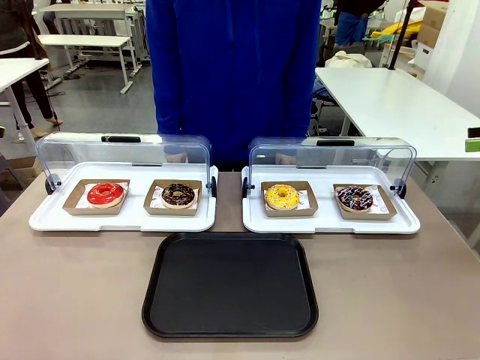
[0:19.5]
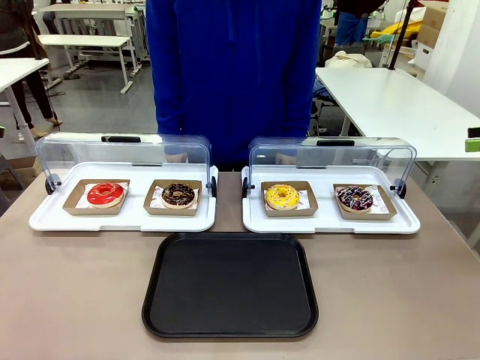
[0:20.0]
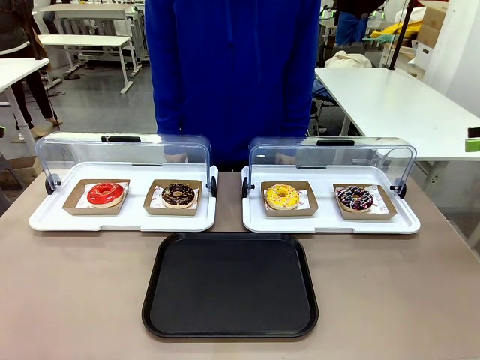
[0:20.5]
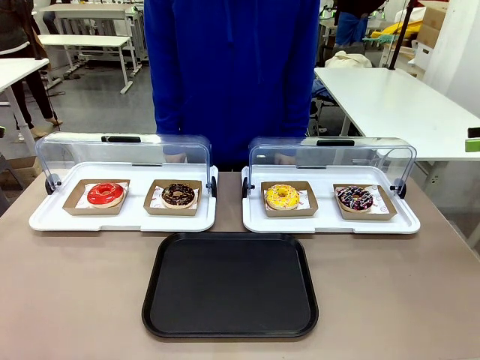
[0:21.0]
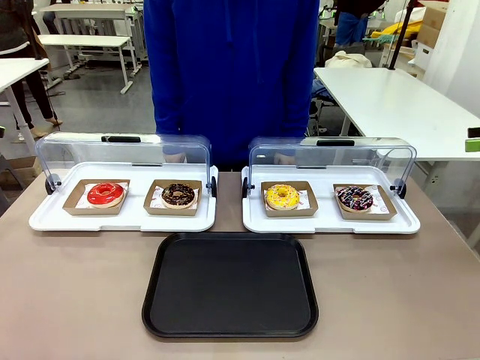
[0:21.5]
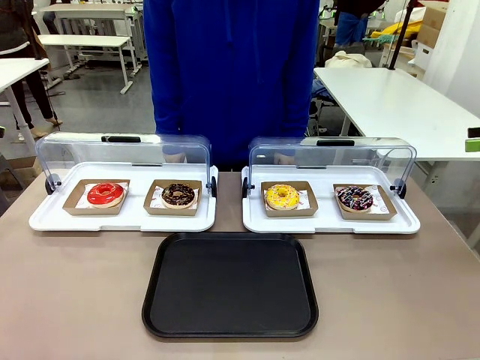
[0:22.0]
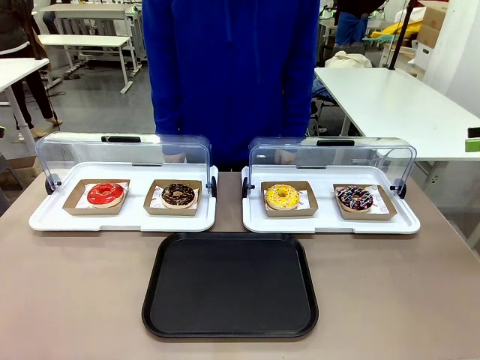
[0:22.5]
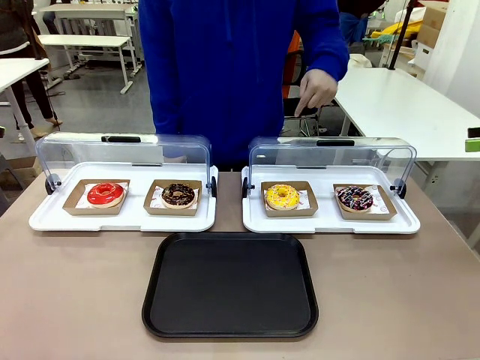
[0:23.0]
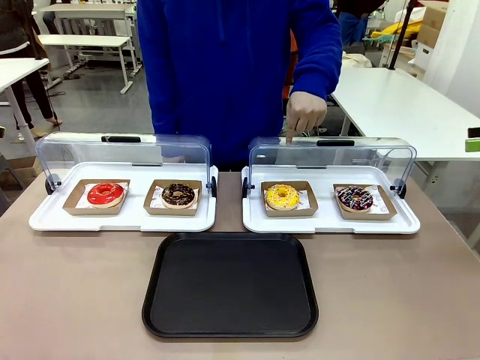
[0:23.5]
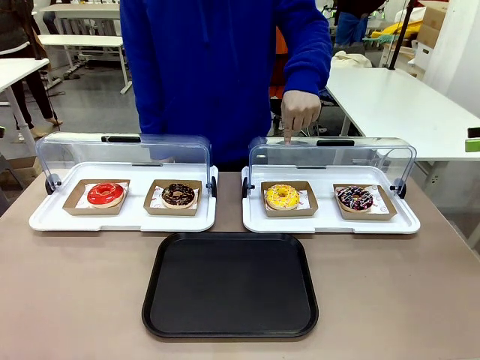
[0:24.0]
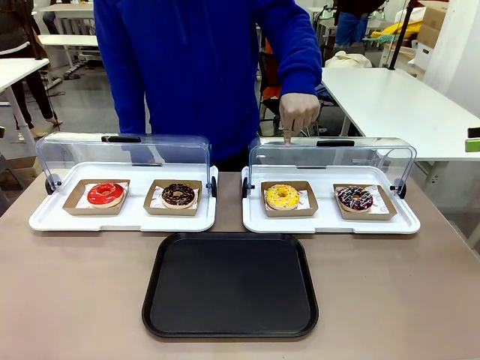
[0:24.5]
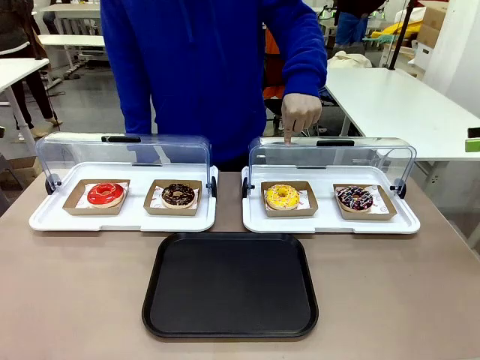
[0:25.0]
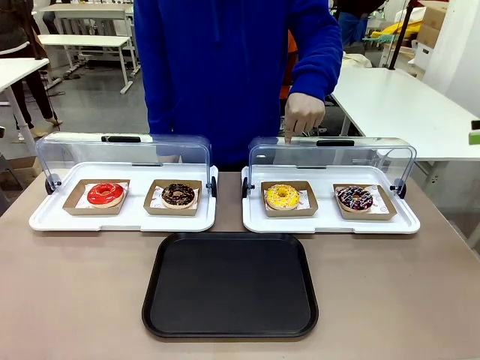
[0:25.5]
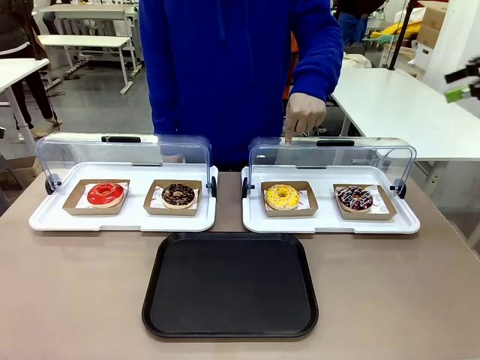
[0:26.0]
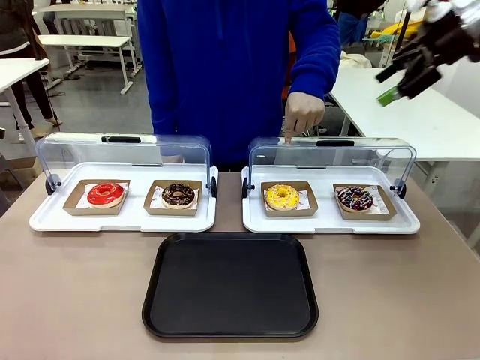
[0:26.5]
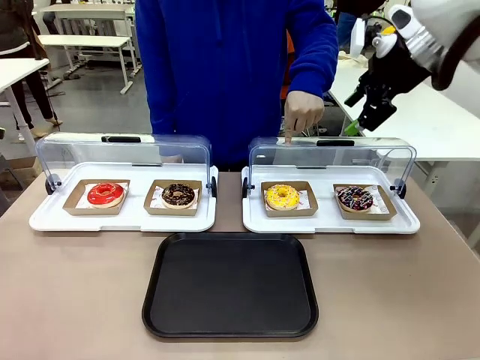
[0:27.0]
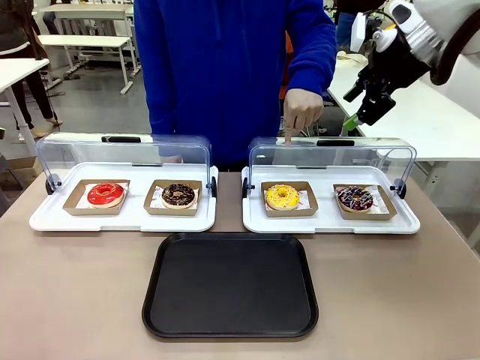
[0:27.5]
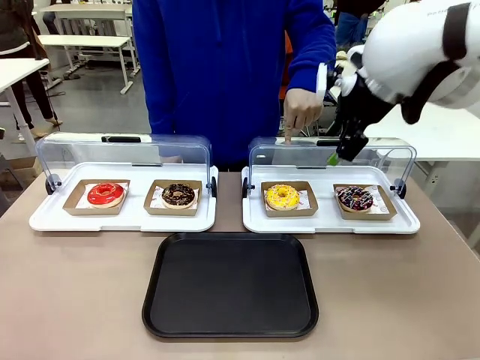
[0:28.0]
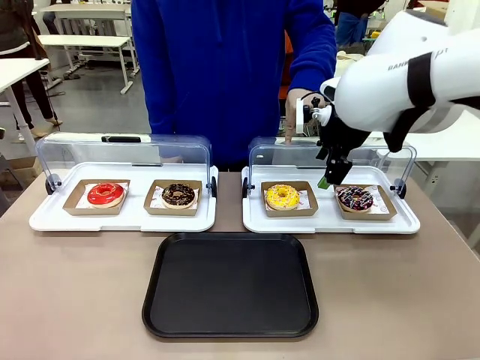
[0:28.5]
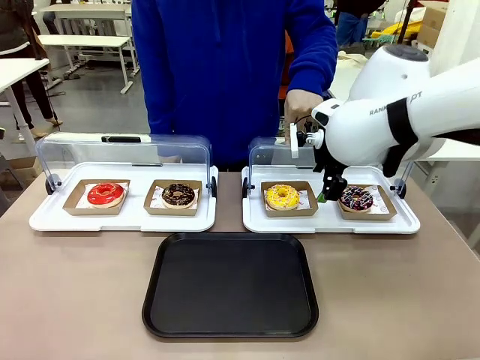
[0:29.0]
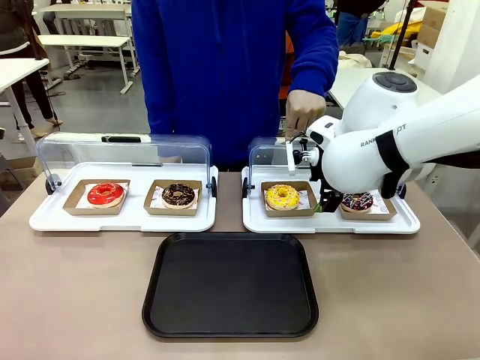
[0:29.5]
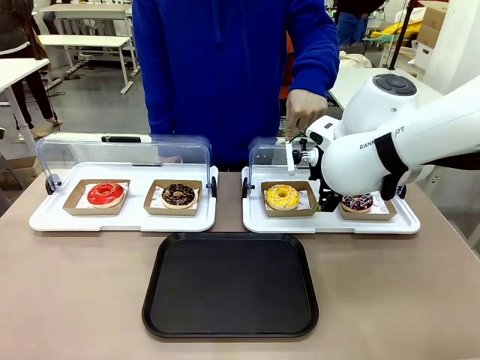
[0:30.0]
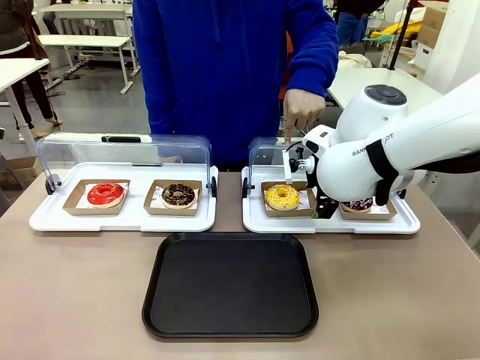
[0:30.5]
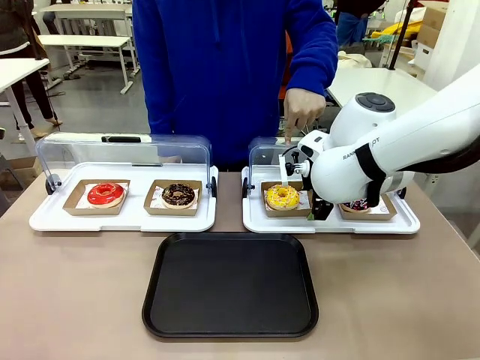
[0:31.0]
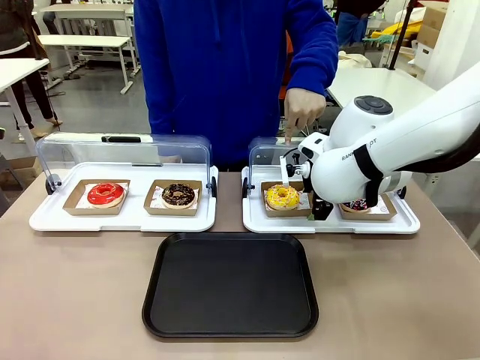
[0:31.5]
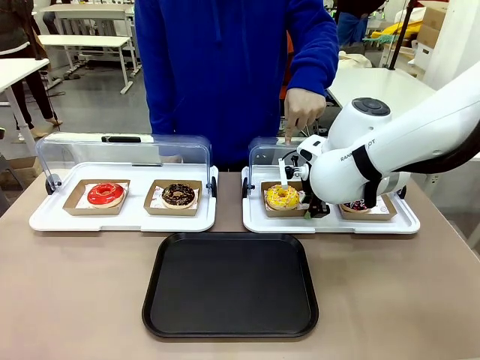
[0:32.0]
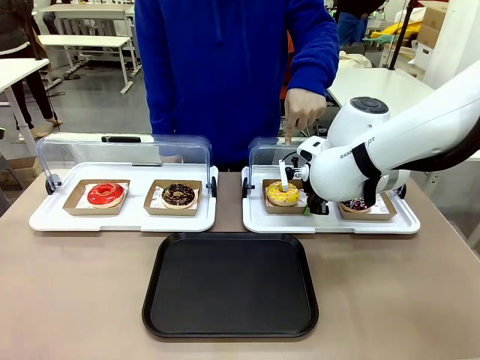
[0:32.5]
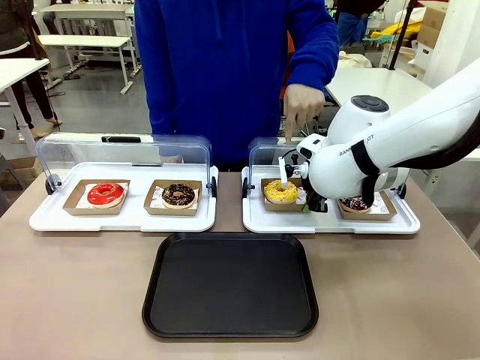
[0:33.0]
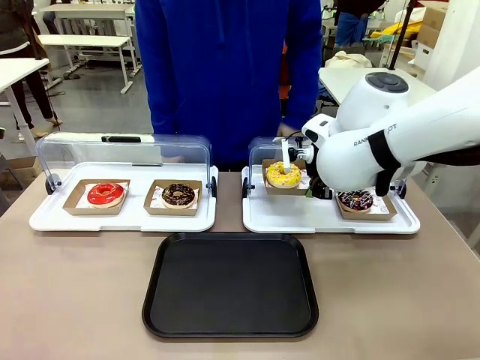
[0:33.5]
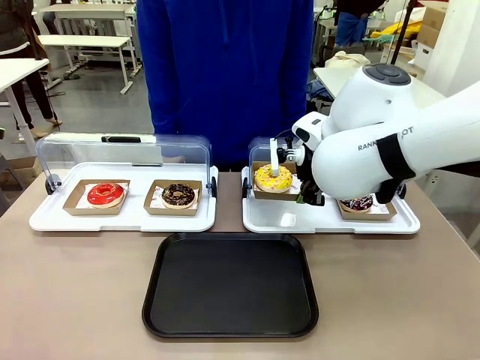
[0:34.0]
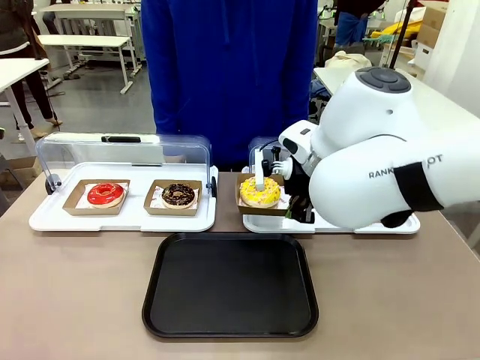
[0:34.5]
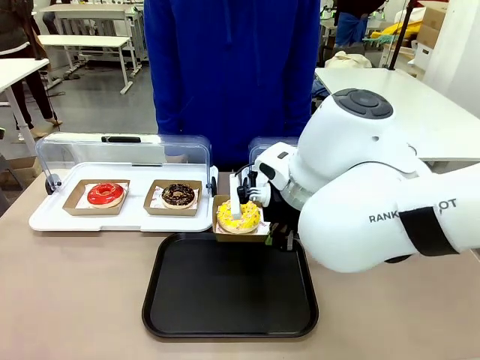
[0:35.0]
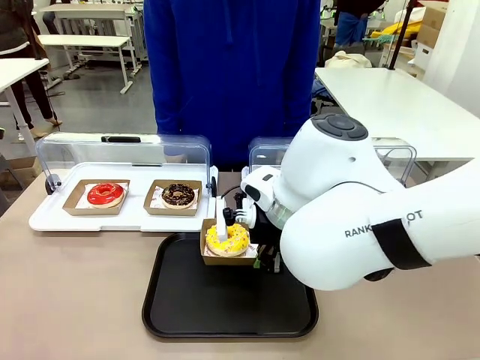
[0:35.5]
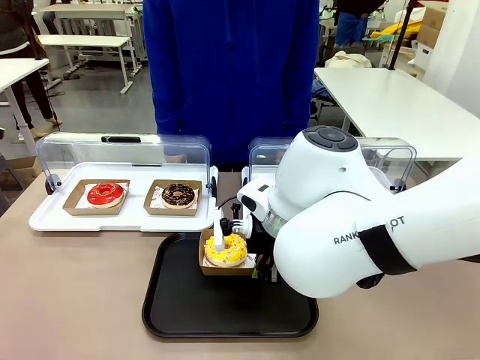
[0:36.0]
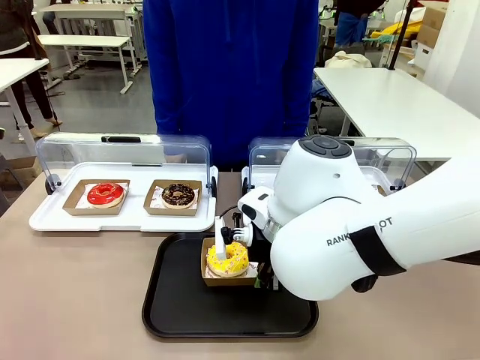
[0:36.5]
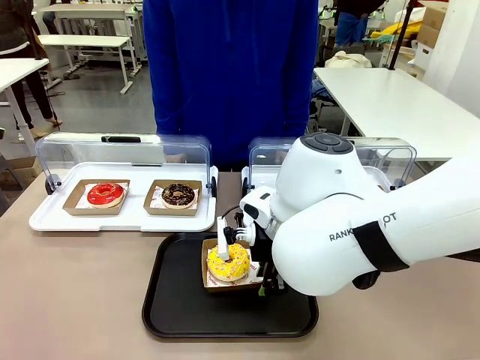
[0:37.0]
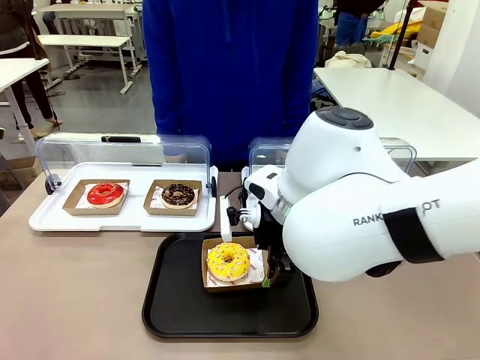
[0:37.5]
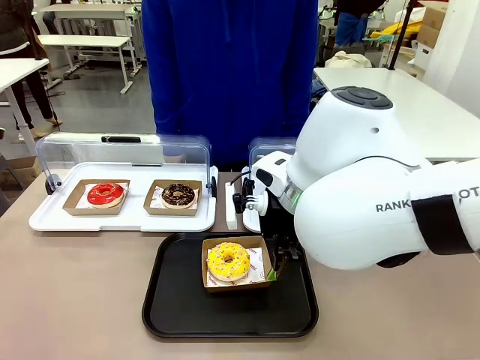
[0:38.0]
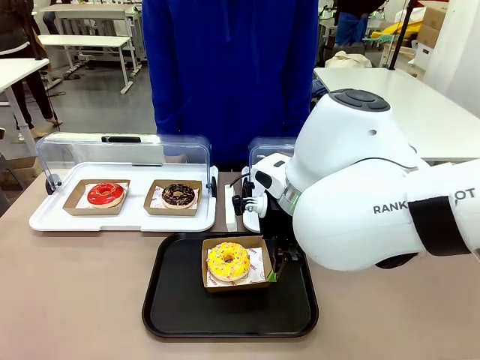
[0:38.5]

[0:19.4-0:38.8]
Task: Move the third donut from the left to the tray.
Robot: Pick up the Paper togo box containing the Donut indicated by the person and place it on the Handle tray.

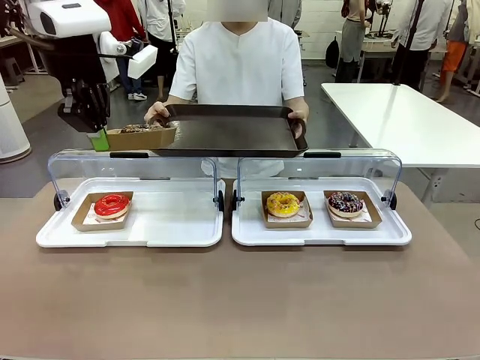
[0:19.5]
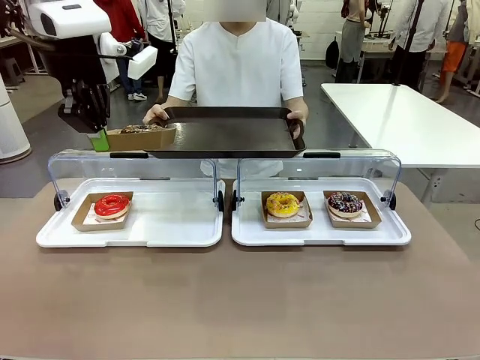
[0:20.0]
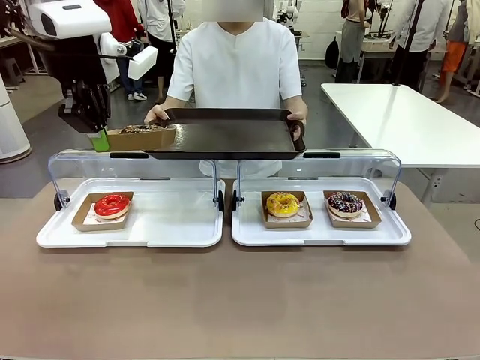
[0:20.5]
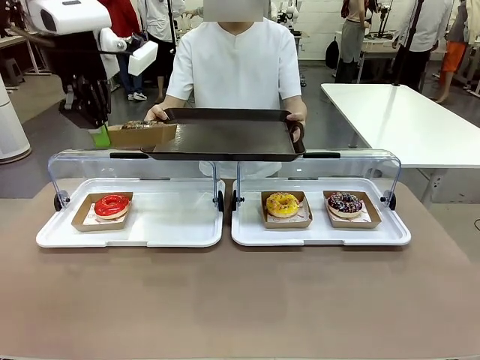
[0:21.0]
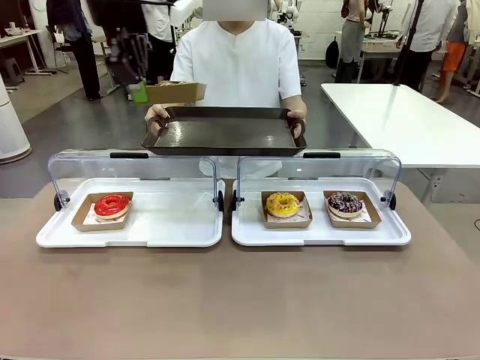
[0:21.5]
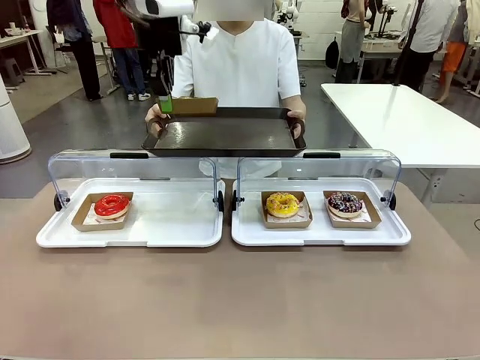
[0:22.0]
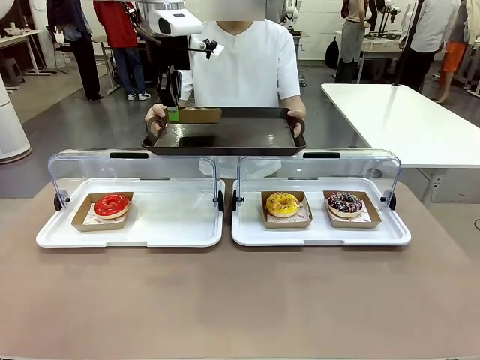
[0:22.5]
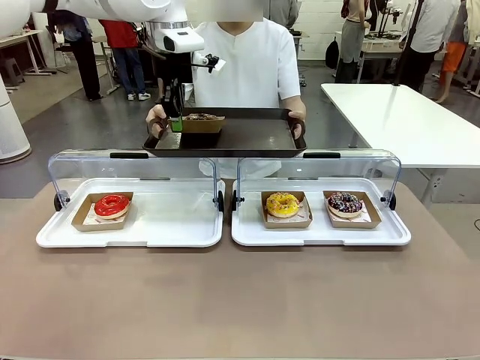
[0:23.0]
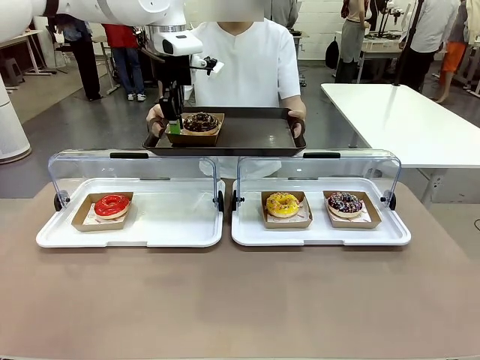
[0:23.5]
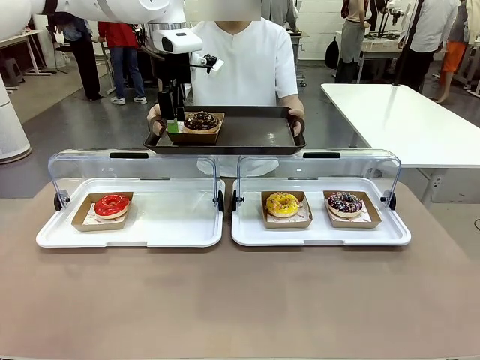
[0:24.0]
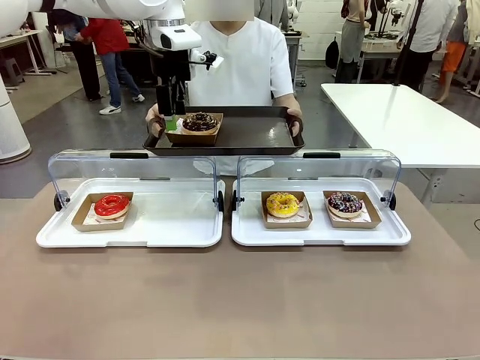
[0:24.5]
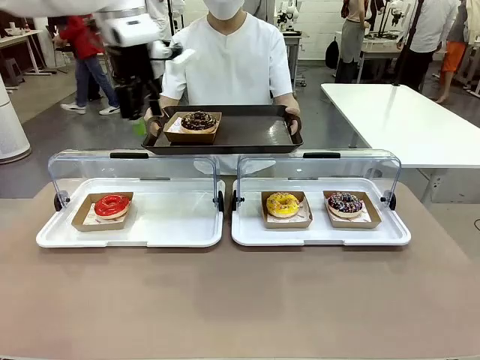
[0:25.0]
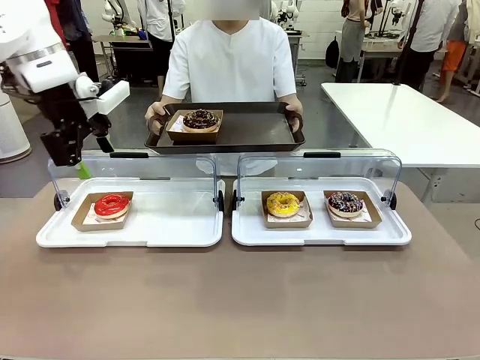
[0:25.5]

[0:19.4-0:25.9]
Task: Provide the desired donut to the person.
Robot: Place the picked Paper togo box onto the Handle tray extended by the person.
